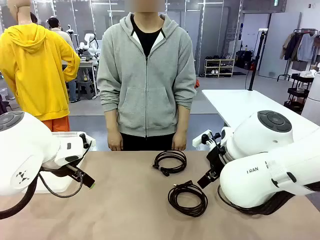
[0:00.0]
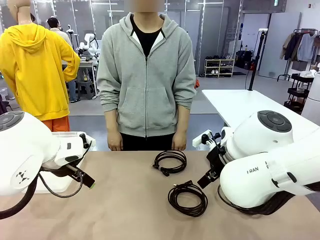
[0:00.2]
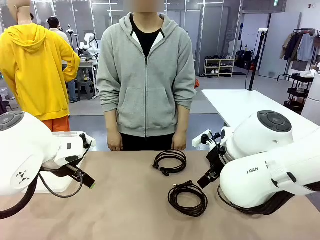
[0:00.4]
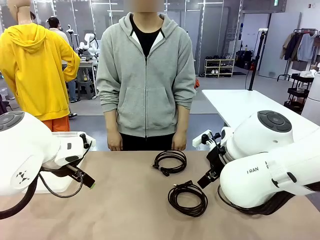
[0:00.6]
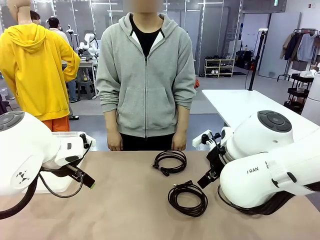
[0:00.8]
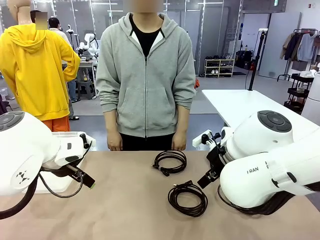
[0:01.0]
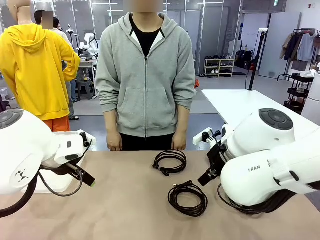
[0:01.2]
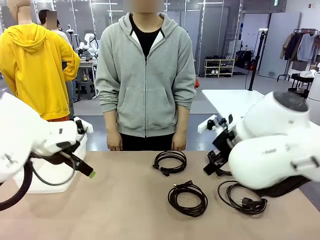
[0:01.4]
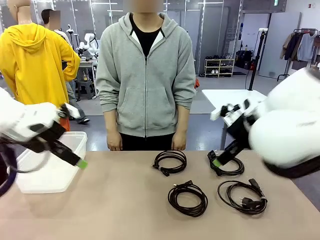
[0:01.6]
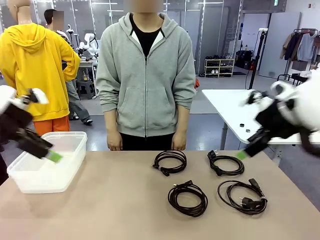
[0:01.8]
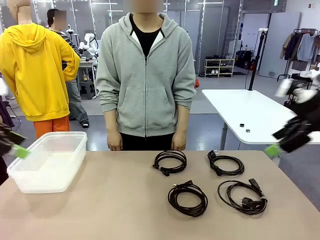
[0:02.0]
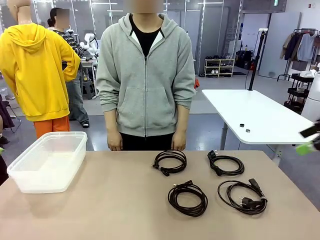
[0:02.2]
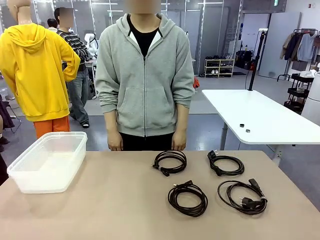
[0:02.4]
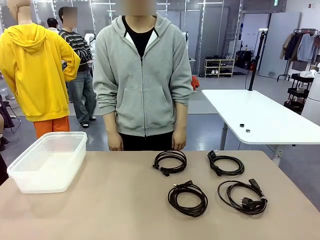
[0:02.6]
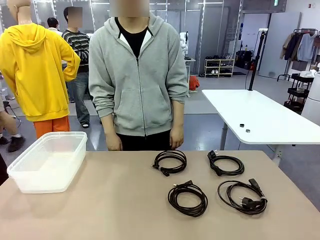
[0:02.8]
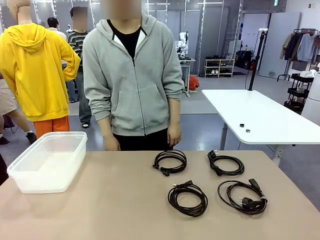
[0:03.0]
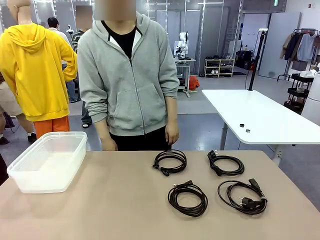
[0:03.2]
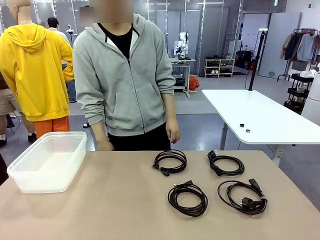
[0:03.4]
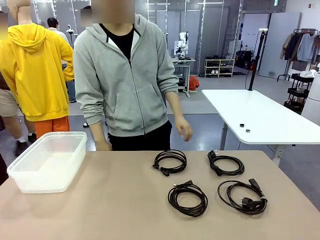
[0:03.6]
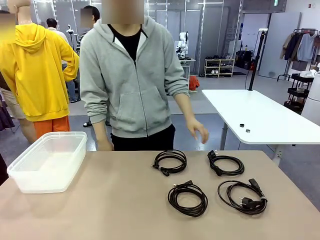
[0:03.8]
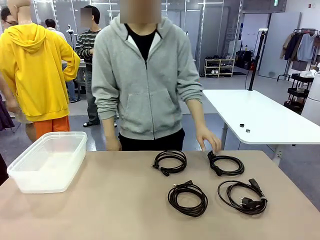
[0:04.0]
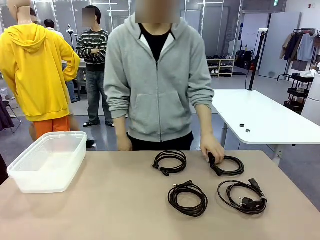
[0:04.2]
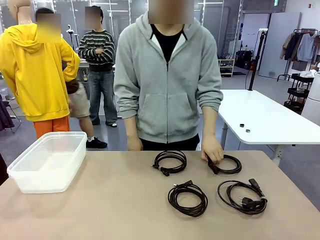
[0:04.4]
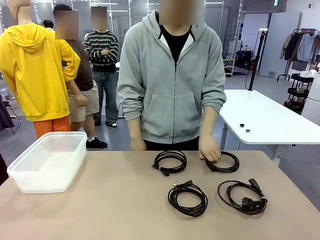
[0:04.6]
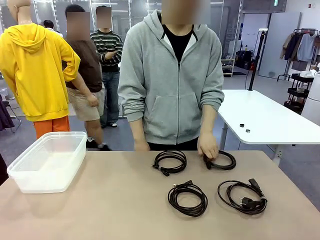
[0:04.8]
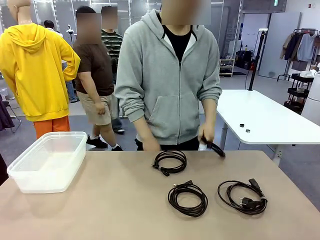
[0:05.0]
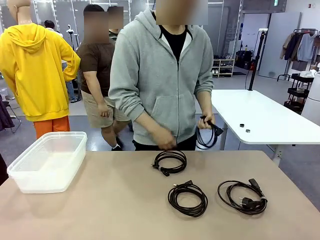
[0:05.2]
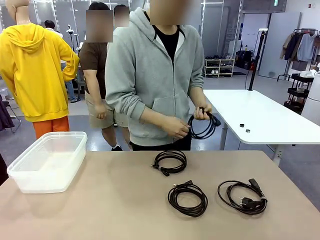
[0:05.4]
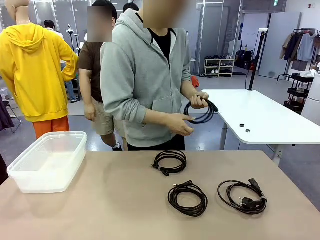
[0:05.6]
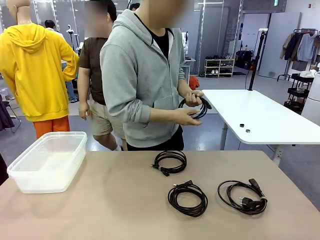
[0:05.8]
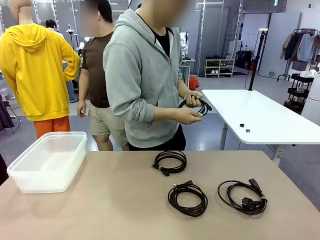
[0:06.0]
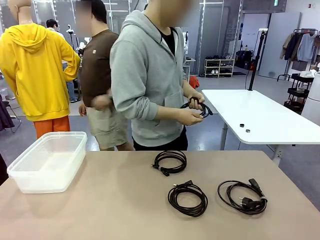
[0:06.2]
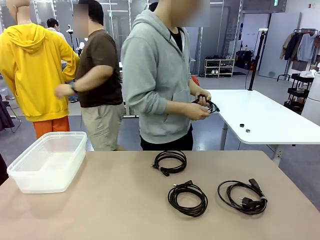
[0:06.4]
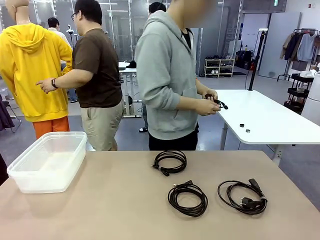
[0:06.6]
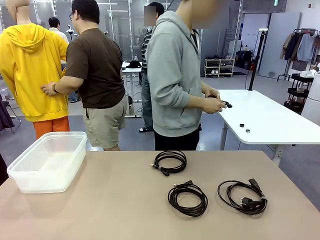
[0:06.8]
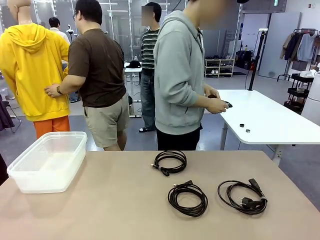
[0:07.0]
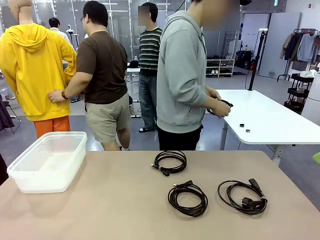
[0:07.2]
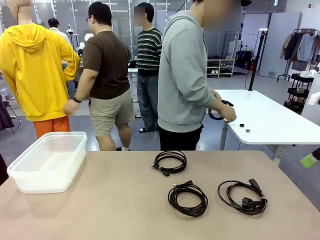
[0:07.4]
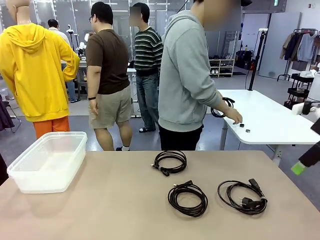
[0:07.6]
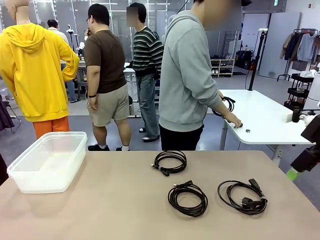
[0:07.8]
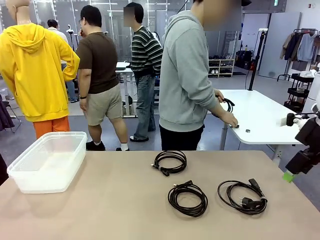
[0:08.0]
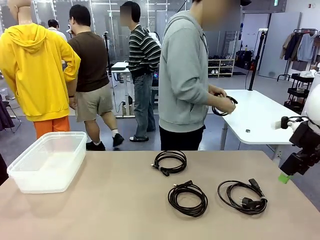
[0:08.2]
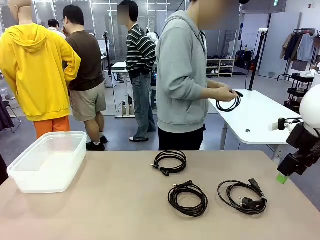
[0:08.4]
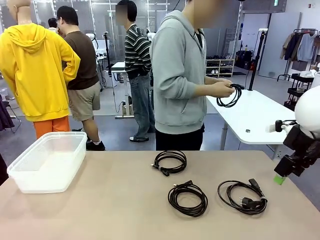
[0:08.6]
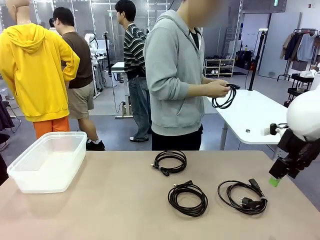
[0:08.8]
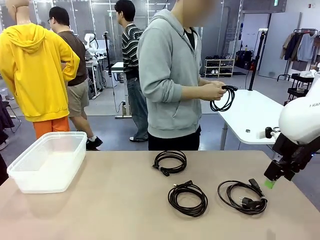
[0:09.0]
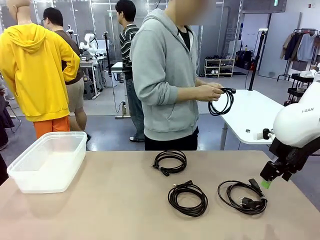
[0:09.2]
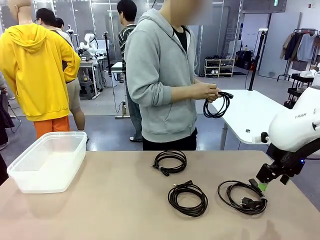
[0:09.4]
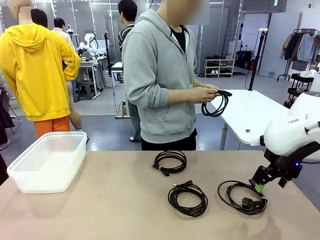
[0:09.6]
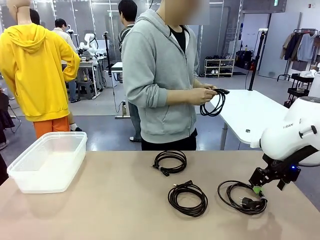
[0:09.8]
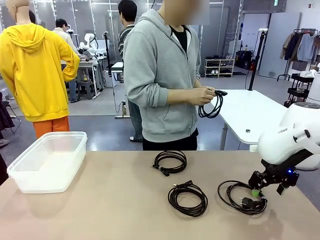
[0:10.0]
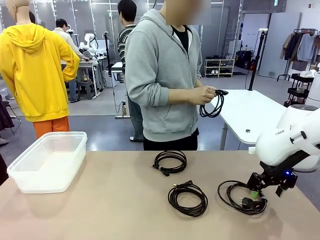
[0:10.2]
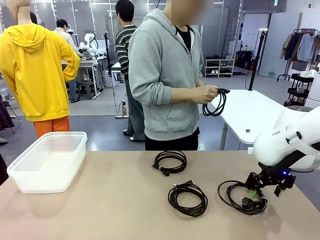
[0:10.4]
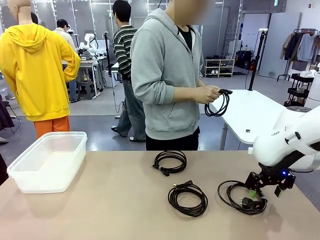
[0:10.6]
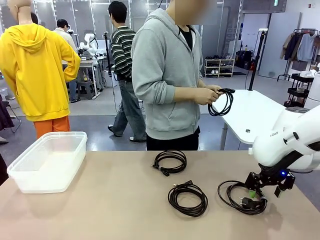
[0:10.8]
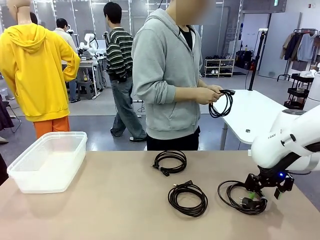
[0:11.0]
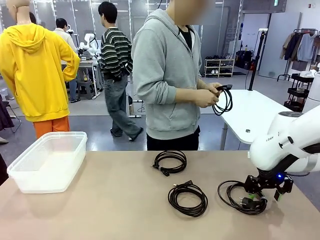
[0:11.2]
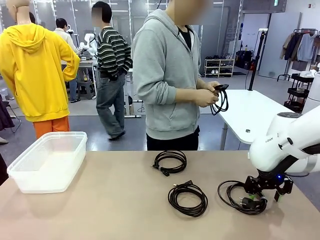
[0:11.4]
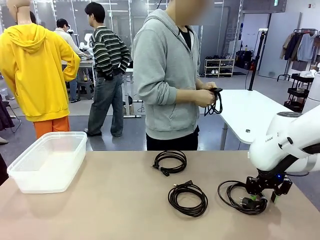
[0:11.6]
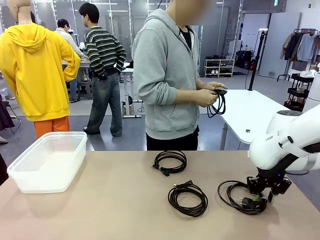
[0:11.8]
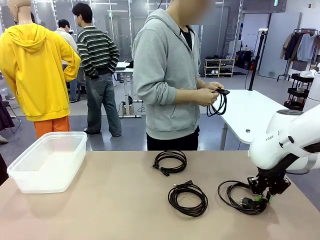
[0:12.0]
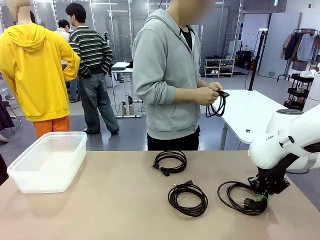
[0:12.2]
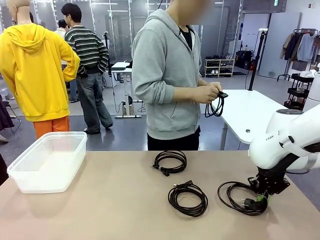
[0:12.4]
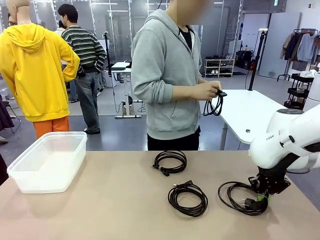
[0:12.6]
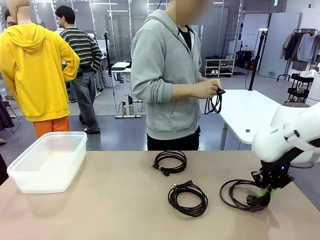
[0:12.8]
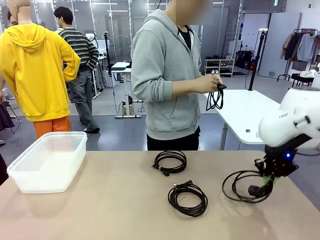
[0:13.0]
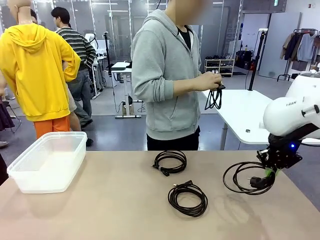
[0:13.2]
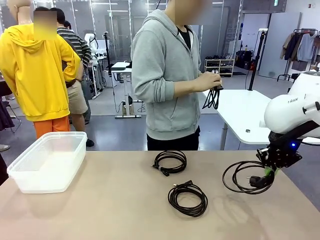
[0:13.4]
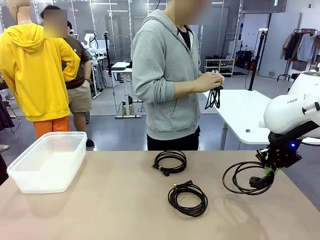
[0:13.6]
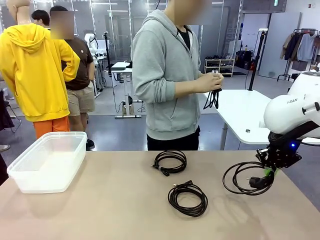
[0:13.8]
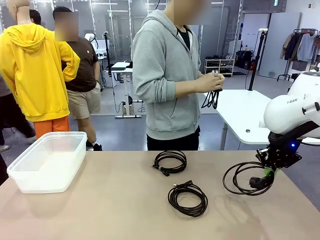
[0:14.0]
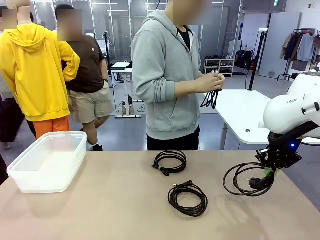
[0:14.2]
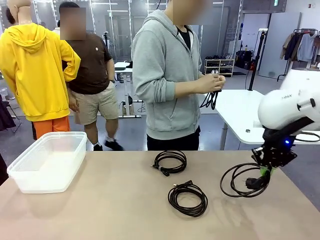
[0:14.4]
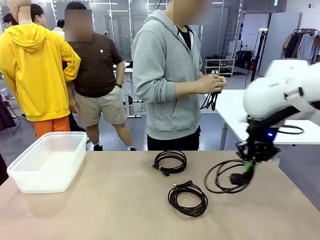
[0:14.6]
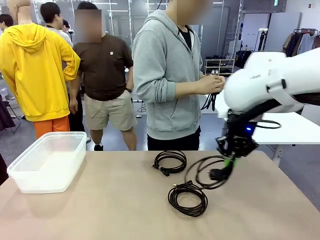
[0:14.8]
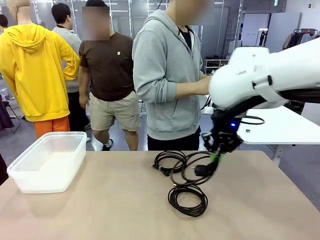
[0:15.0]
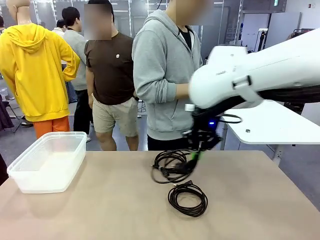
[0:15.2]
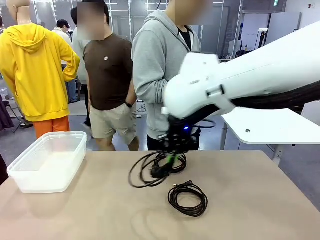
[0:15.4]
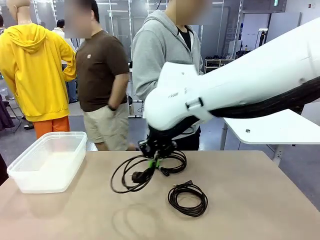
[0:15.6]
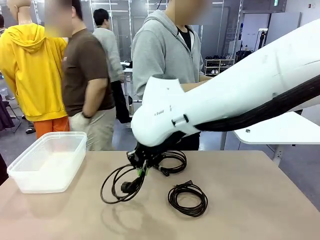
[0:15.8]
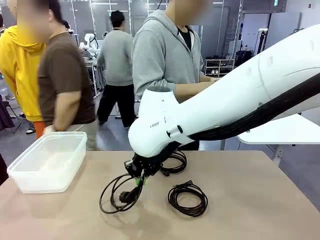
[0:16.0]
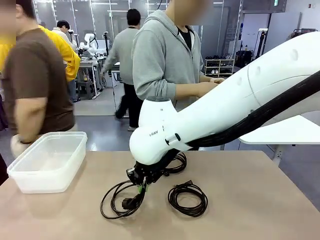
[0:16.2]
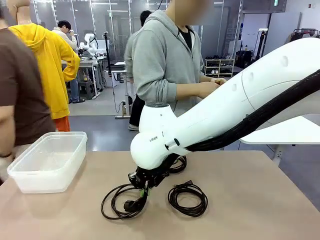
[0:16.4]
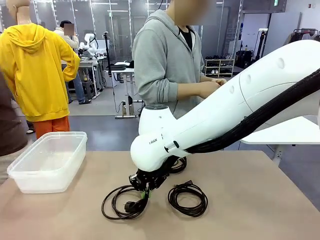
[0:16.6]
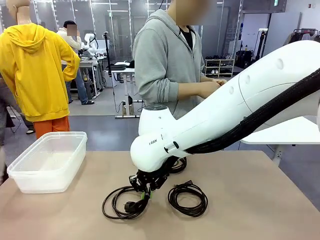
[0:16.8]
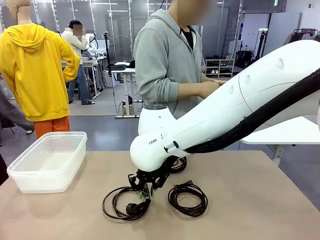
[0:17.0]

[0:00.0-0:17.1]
Task: Organize and store the cables.
Robot: Place the Power Cable into the Organizing box.
Person: Tie one Power Cable with a Reusable Cable Tie.
